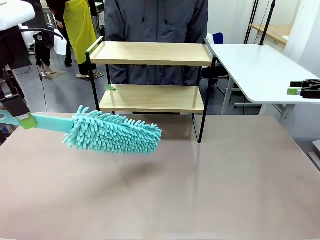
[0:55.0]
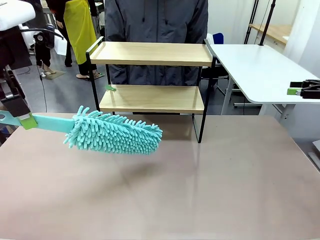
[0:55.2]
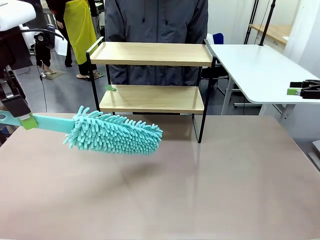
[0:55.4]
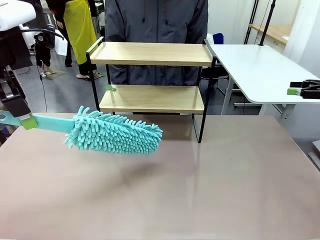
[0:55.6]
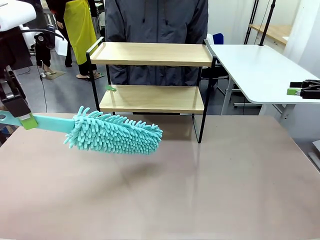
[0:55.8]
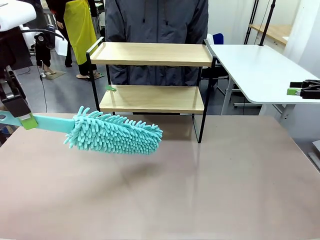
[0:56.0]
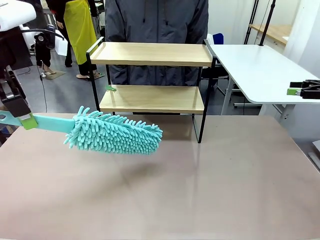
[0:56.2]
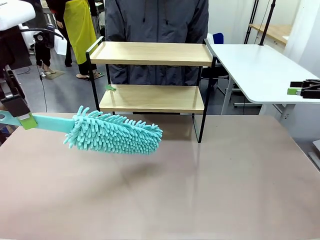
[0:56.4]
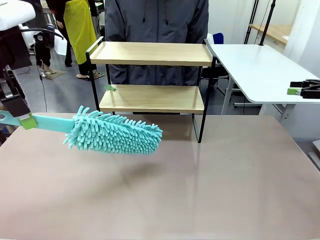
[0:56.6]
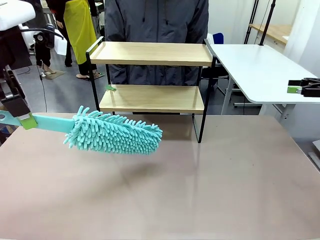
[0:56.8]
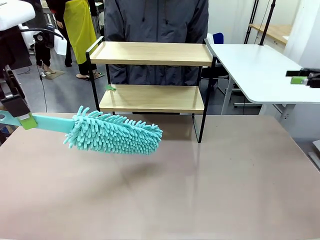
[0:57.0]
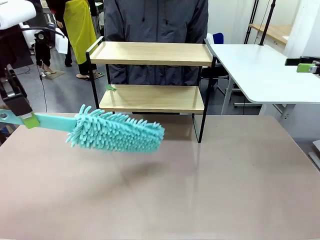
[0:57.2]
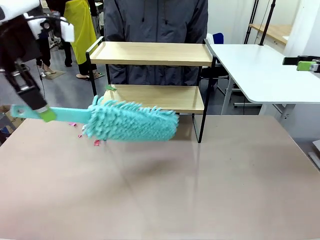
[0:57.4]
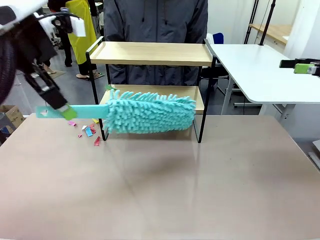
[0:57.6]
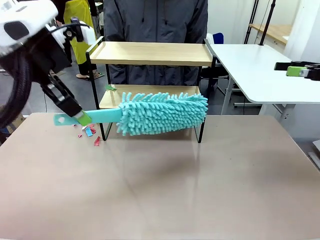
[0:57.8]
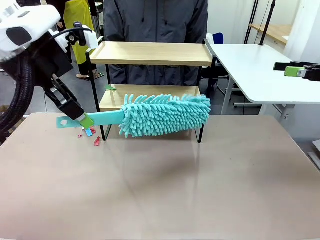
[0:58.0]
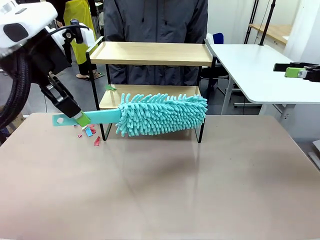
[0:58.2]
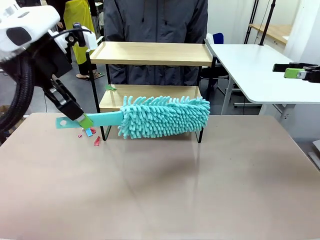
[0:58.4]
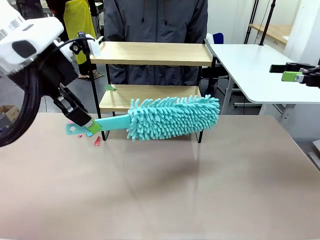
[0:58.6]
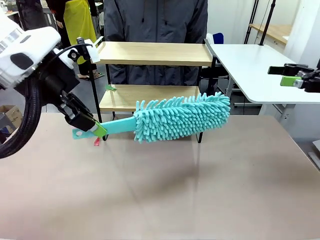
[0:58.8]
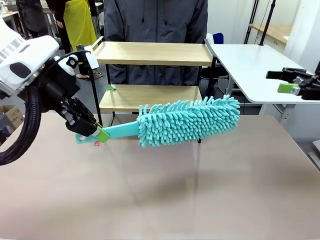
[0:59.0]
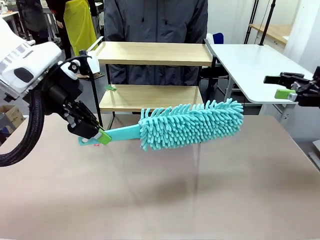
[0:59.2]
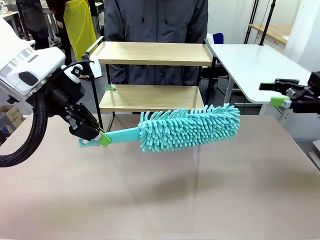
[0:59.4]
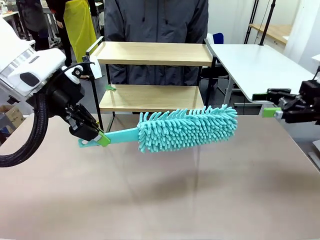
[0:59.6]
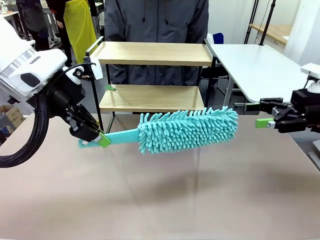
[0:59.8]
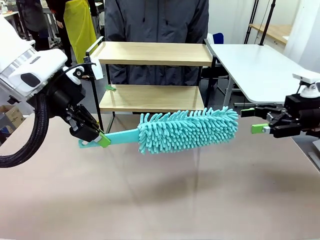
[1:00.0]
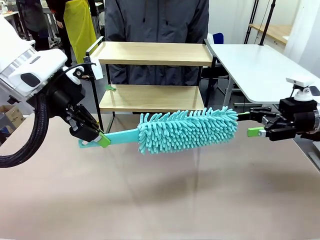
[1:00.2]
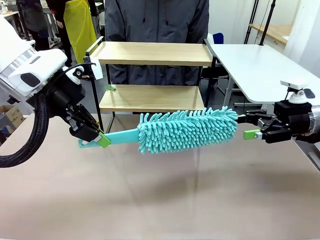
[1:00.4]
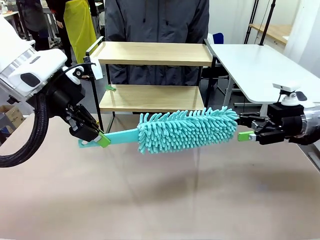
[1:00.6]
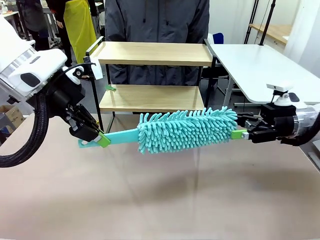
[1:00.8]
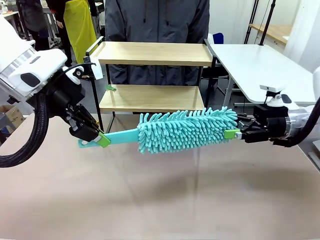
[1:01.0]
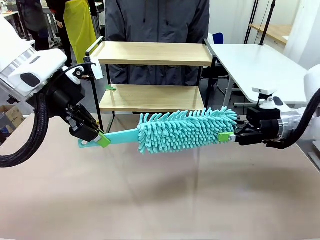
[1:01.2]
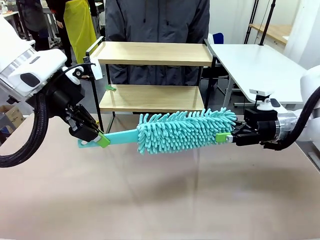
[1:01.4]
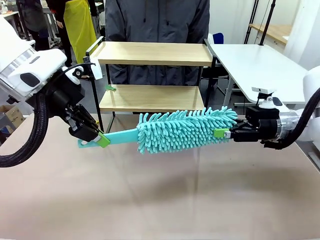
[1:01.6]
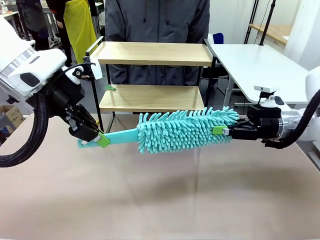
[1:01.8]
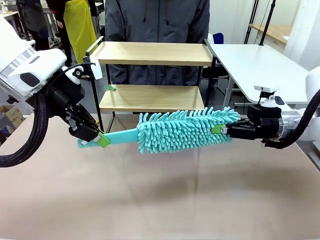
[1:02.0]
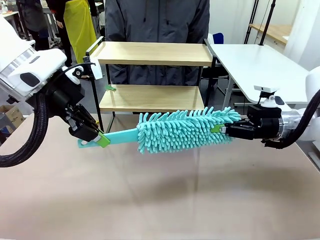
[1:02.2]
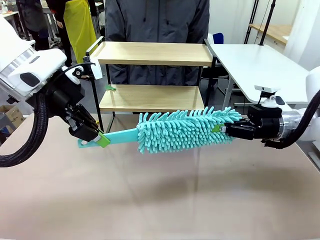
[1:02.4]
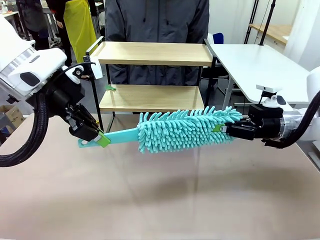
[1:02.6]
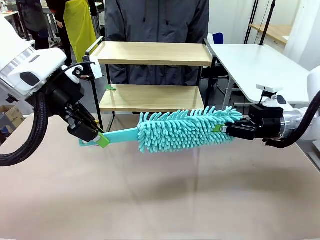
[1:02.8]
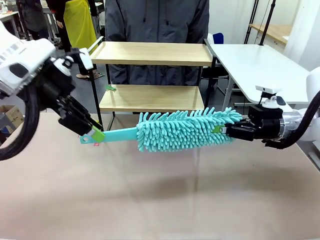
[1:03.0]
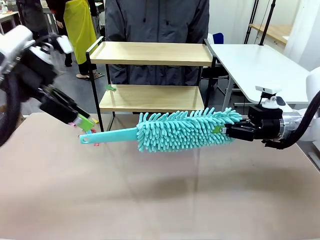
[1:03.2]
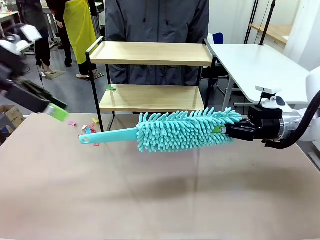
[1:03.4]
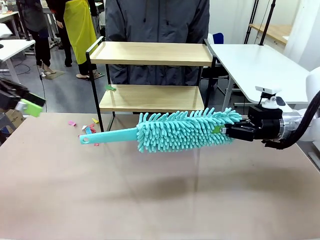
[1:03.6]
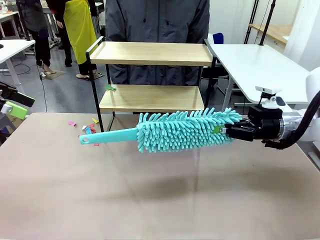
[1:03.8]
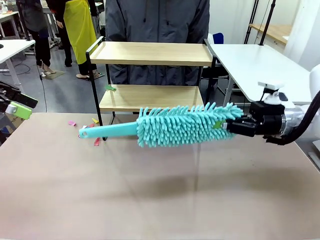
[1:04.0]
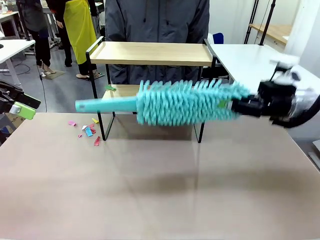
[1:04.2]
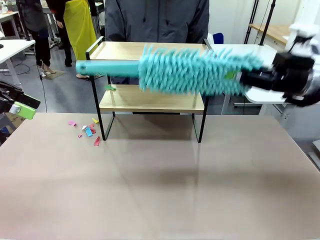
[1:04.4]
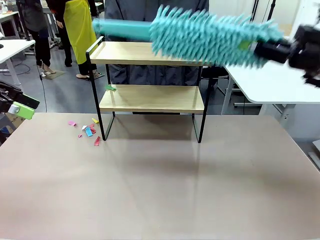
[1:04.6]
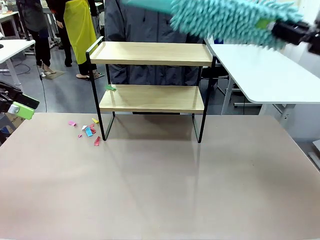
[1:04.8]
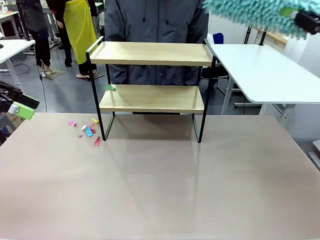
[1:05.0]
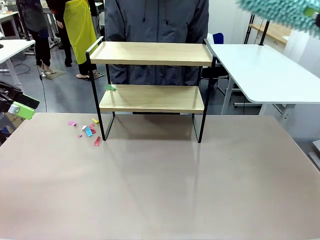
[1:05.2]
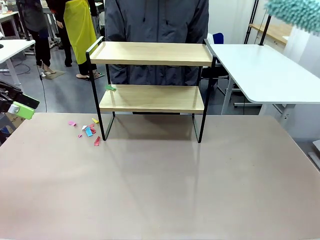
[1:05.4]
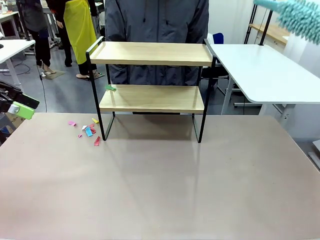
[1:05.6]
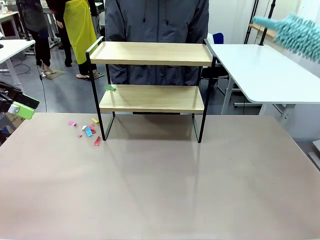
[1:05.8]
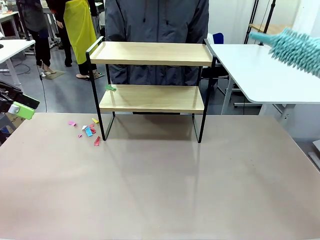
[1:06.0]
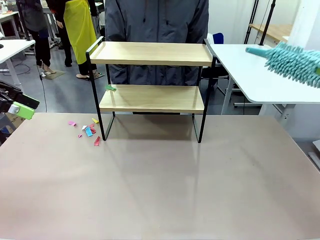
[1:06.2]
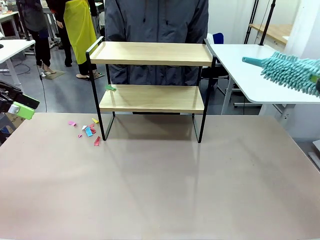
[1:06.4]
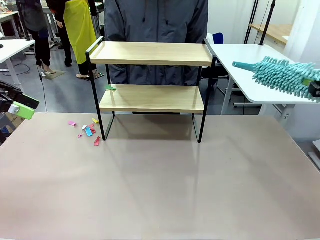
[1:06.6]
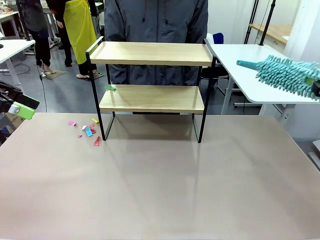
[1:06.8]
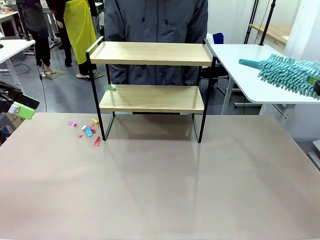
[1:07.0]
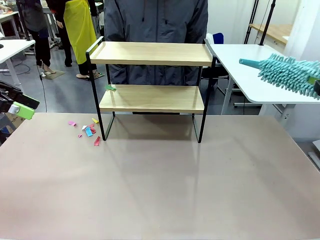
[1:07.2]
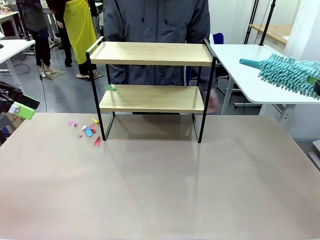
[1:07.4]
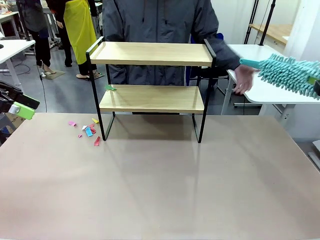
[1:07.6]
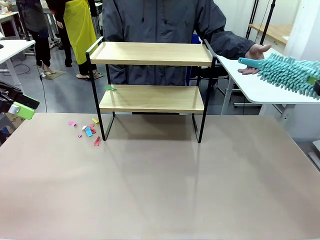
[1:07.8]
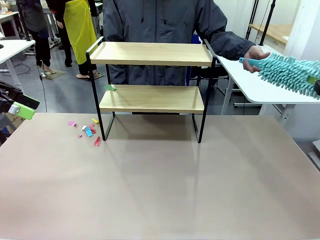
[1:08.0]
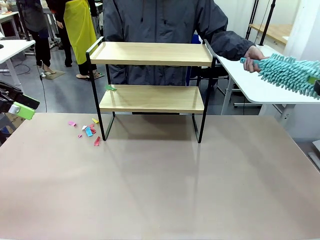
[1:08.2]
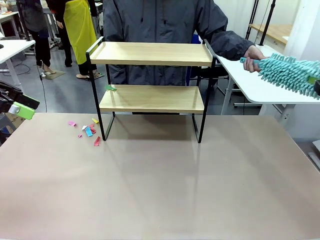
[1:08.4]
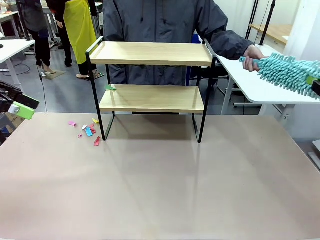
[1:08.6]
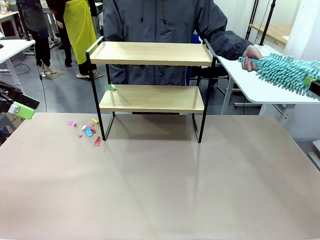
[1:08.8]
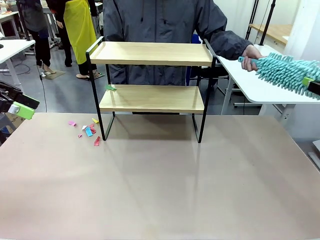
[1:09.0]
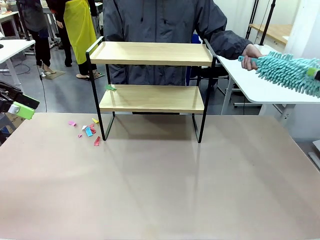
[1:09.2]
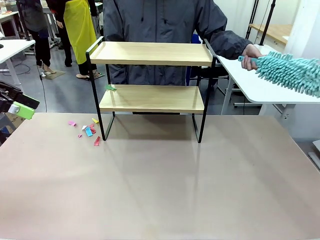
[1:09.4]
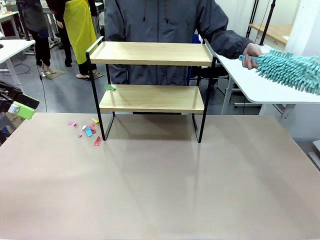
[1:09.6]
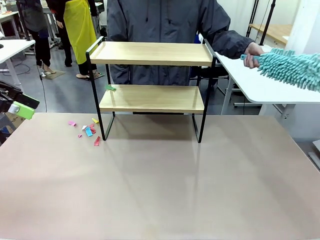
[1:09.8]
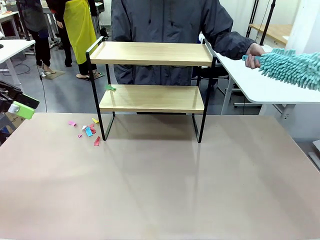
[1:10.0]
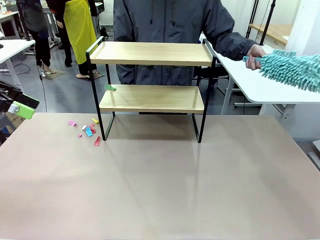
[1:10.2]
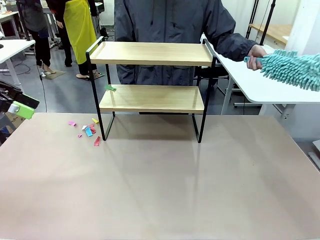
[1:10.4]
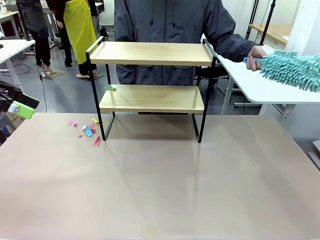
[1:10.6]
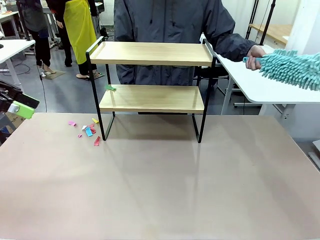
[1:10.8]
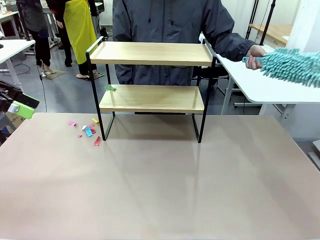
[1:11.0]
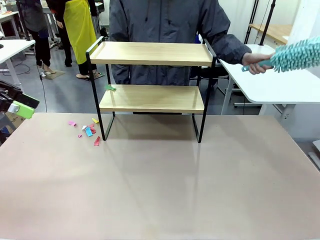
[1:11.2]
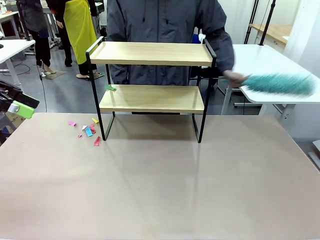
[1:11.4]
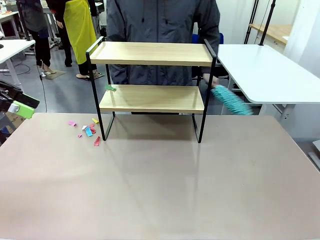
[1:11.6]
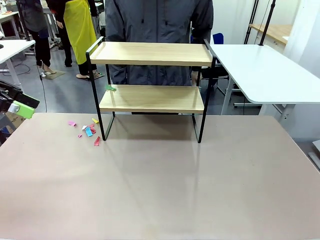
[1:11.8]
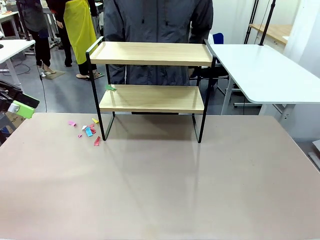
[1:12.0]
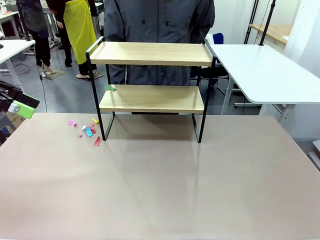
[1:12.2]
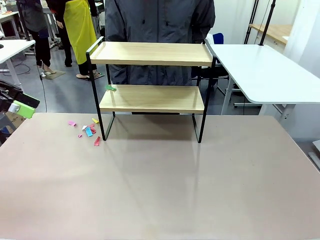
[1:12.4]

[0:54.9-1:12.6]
Task: Clean the shelf.
Robot: Hand the Duster back to the human.
Person: Receive the Duster from the robot.
